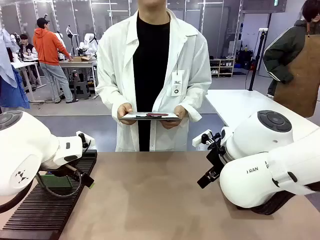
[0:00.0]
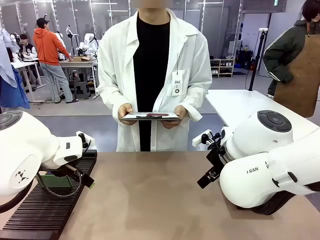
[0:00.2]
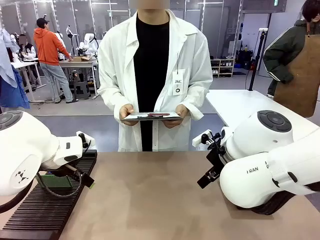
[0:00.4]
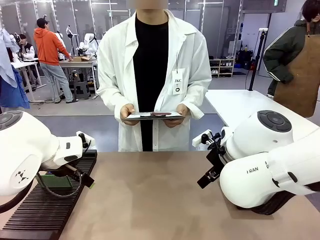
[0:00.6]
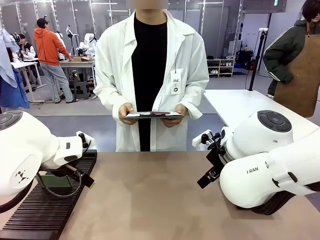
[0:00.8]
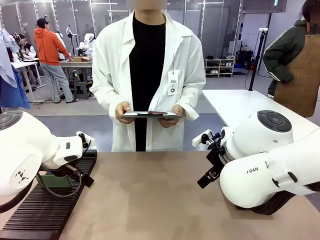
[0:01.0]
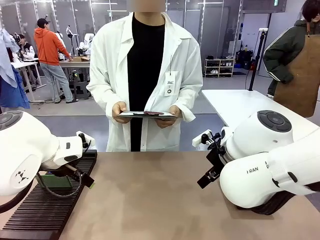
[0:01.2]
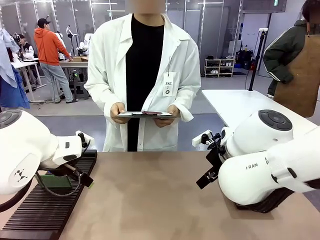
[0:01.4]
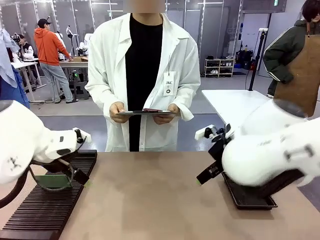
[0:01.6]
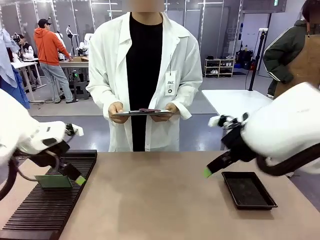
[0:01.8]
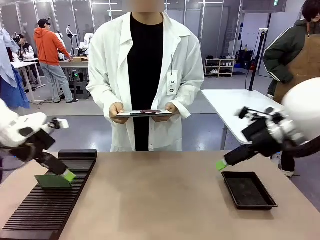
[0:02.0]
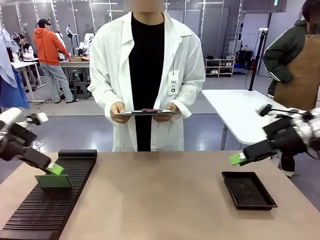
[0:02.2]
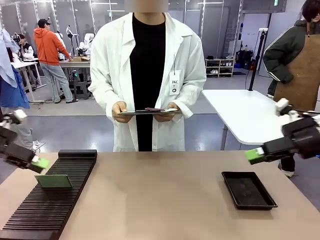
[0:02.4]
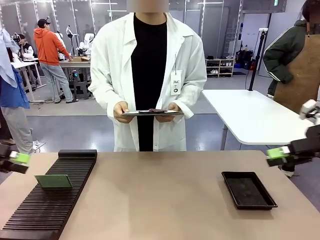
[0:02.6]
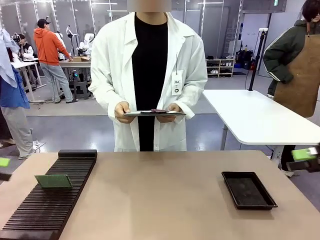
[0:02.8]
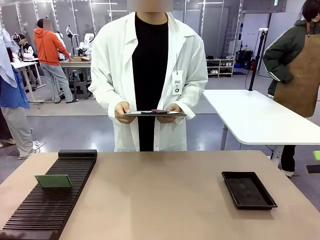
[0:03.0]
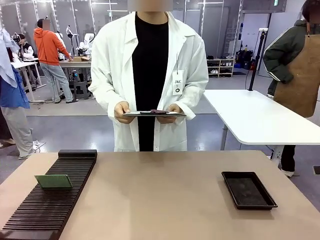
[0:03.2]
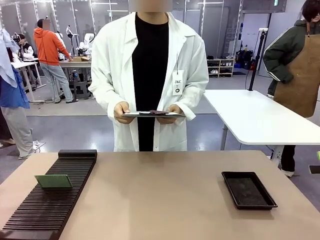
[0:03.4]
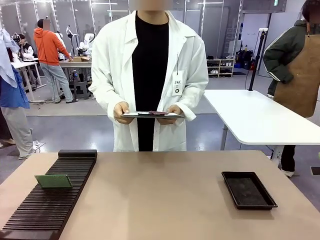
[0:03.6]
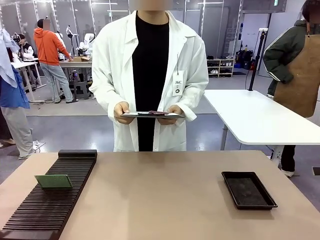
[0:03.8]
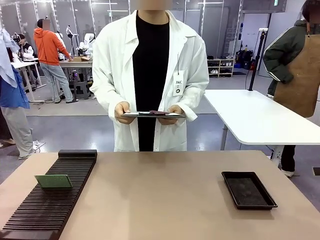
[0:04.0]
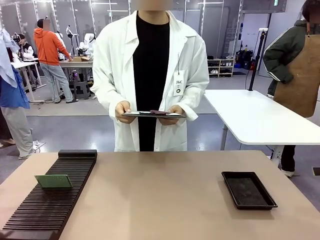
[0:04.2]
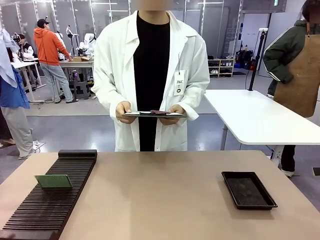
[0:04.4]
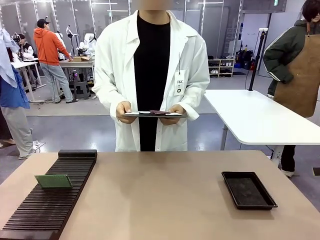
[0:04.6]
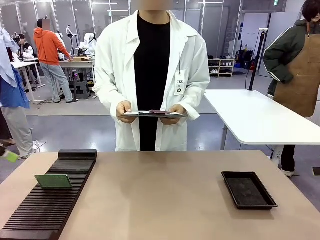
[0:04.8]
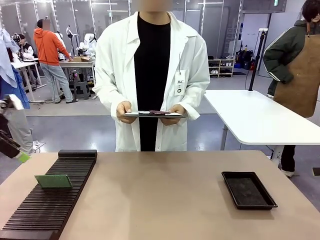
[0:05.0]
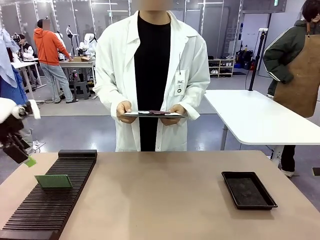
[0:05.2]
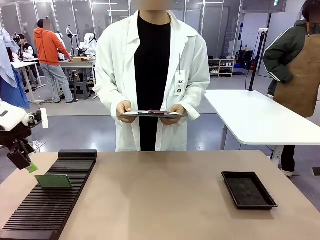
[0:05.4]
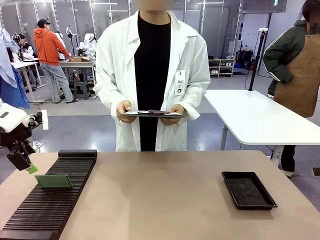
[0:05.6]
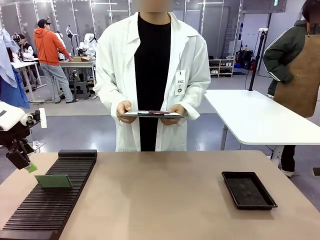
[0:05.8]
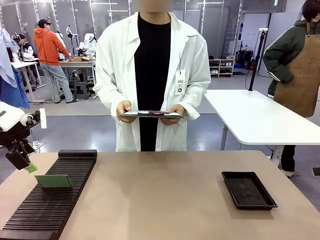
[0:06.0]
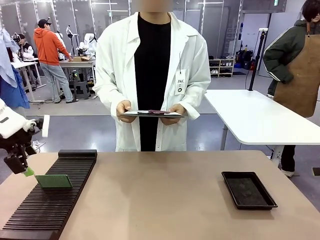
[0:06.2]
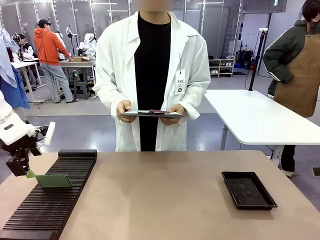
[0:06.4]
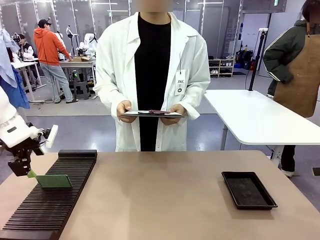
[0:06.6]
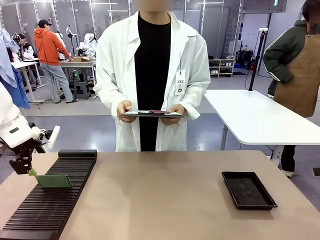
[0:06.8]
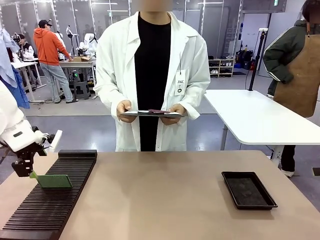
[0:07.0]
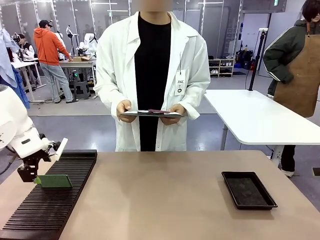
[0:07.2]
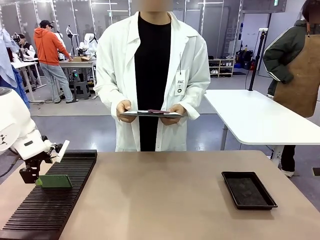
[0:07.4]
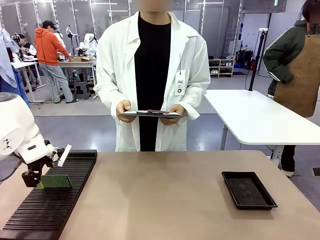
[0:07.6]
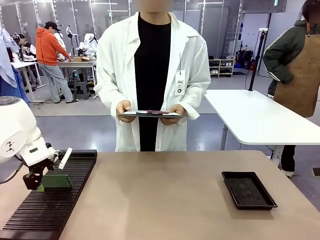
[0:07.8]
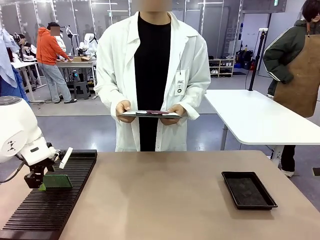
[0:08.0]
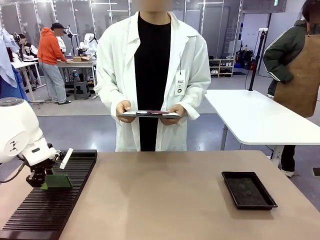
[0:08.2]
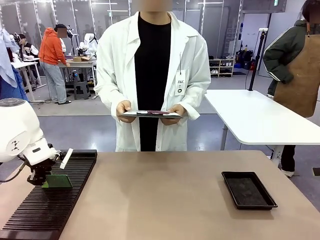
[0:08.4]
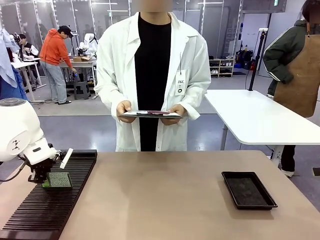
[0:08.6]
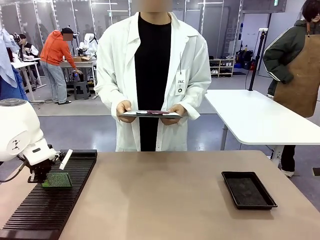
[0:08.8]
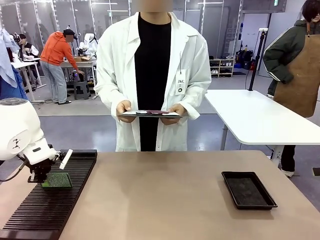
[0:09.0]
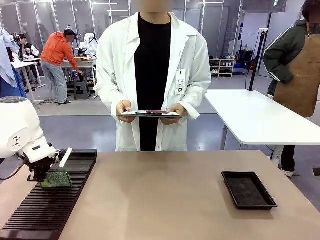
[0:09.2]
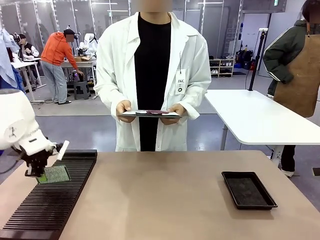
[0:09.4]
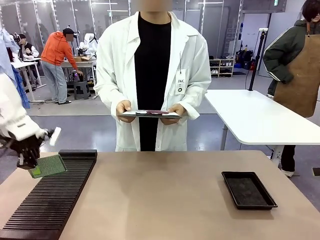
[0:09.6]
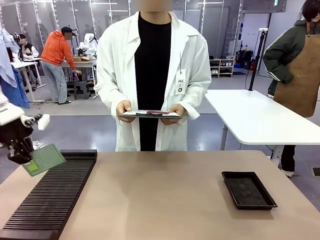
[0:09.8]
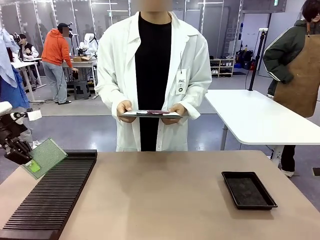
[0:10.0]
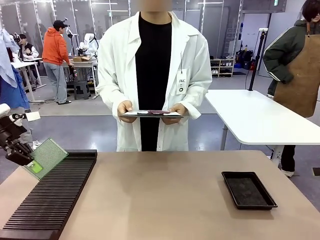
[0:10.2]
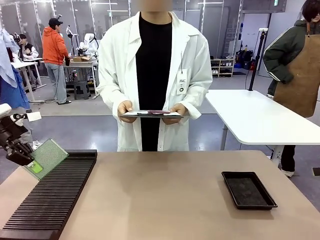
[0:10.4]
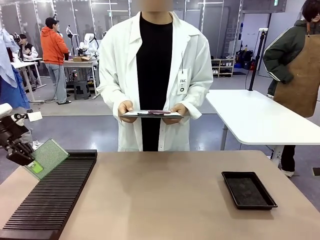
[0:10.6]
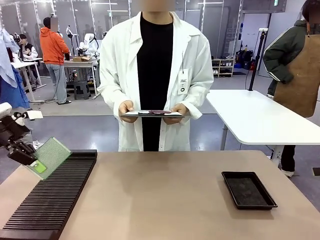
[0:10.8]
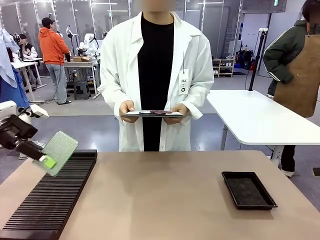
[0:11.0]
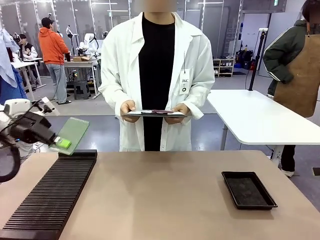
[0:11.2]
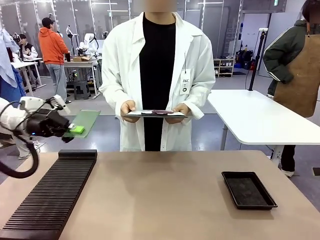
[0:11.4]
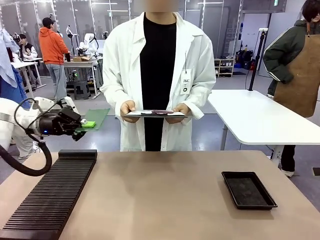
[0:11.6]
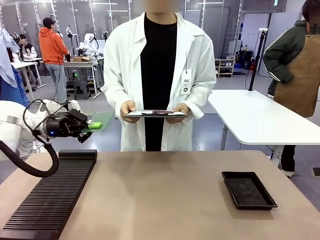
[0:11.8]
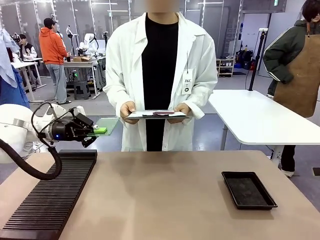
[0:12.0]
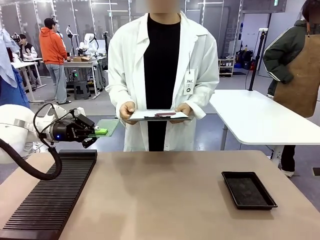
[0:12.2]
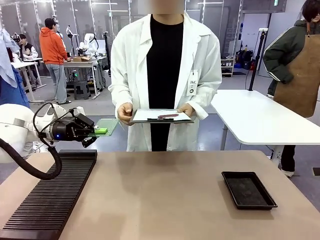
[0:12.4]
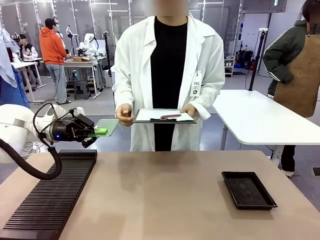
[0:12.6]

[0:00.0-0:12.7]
Task: Inspect the PCB.
Robot: Pick up the Blank PCB and present it to the human.
Person: Pick up the PCB presented by the robot.

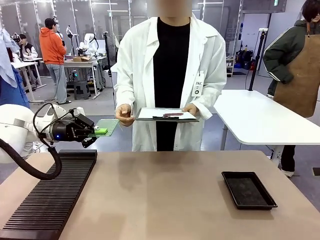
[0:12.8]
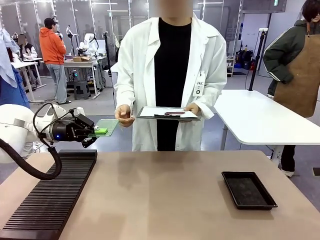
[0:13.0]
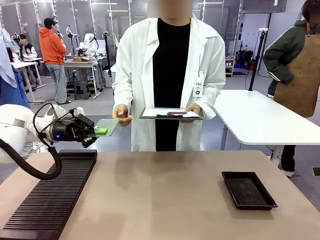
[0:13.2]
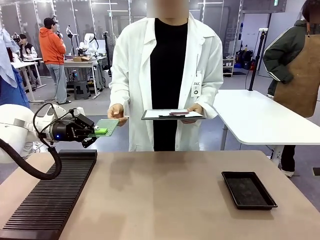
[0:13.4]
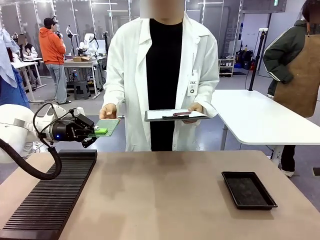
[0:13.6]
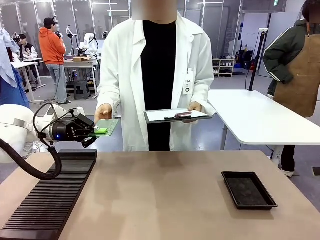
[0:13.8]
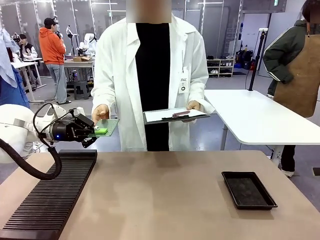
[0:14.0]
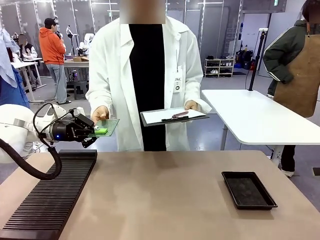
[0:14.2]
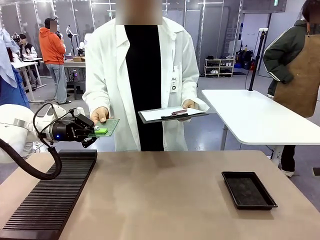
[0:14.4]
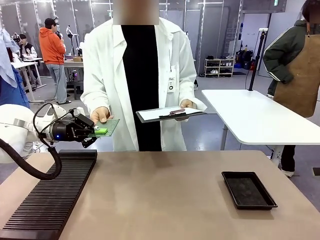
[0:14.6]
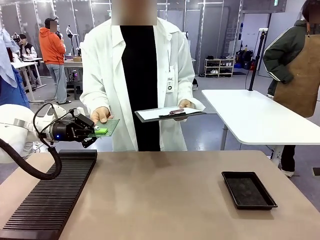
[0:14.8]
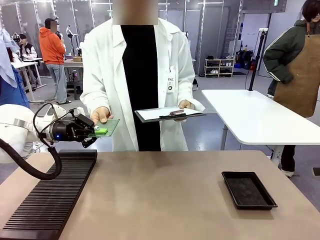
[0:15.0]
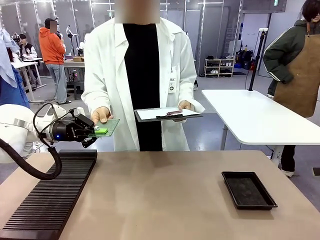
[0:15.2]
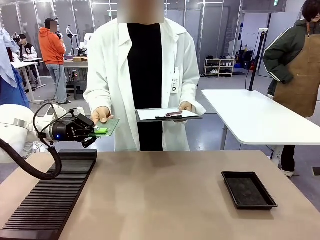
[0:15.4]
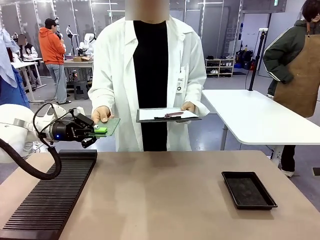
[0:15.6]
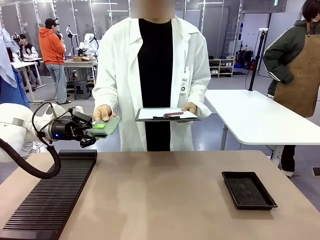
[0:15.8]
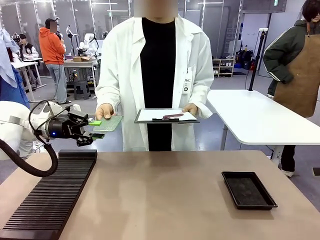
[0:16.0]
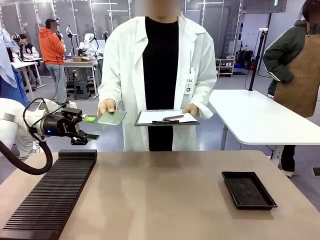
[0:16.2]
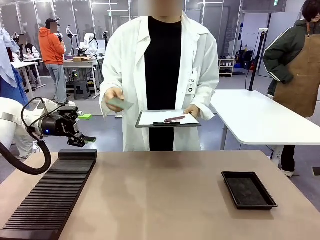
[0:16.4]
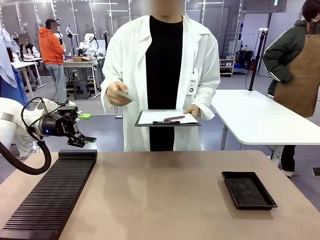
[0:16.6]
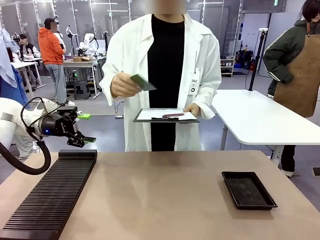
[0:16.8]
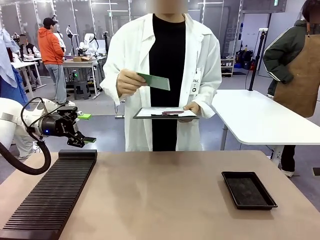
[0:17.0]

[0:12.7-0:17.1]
Robot: Release the Blank PCB you were holding.

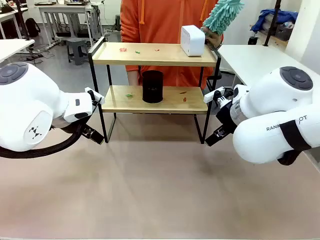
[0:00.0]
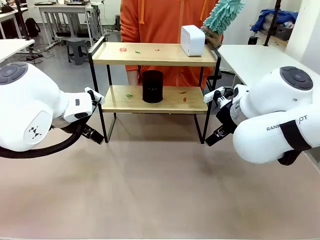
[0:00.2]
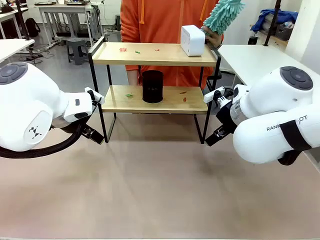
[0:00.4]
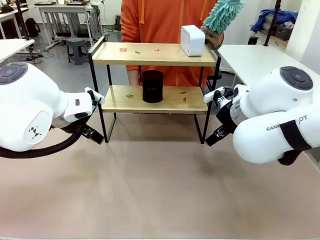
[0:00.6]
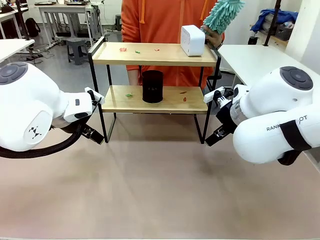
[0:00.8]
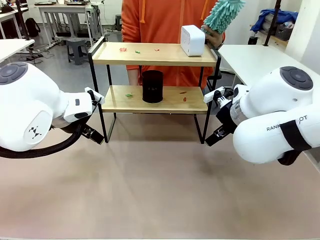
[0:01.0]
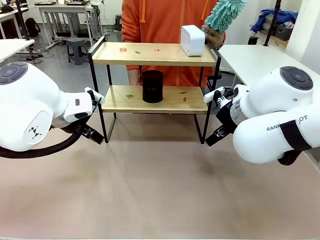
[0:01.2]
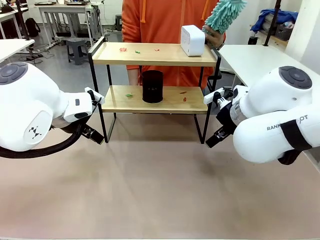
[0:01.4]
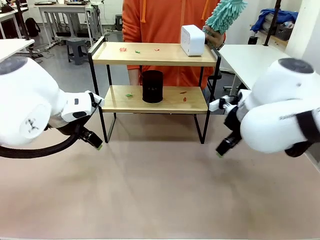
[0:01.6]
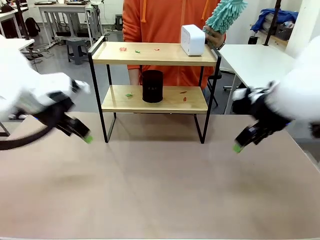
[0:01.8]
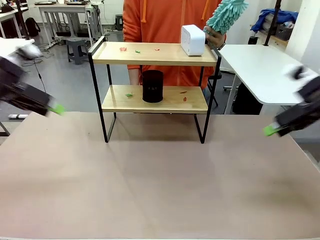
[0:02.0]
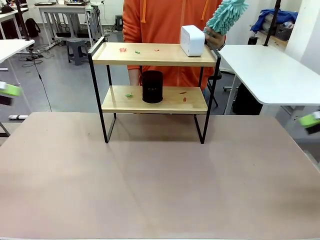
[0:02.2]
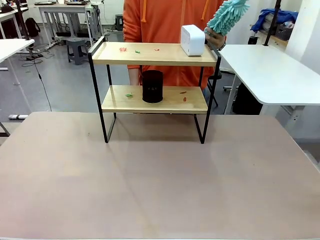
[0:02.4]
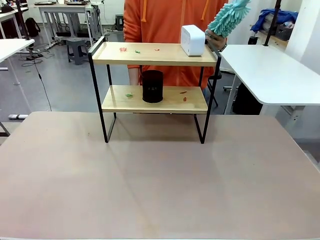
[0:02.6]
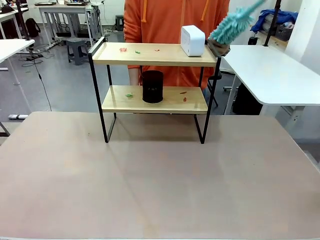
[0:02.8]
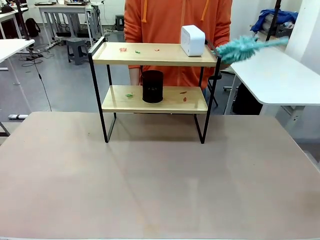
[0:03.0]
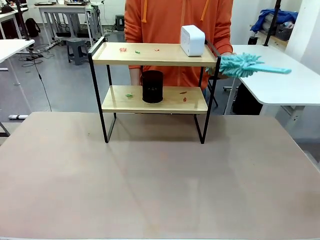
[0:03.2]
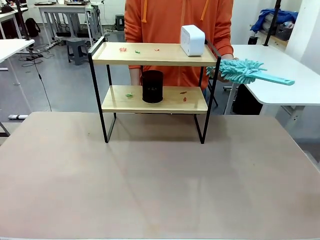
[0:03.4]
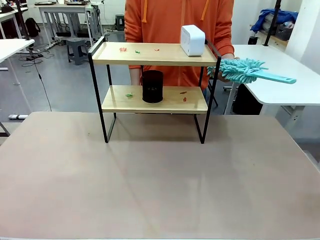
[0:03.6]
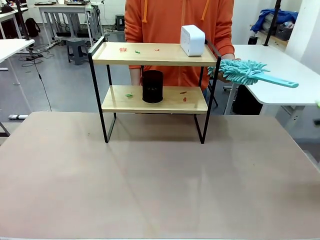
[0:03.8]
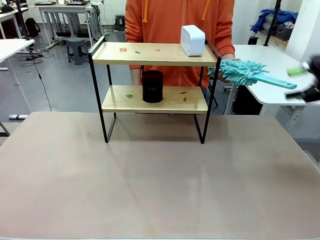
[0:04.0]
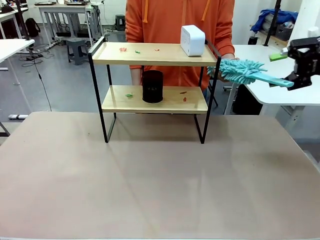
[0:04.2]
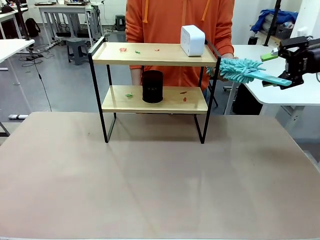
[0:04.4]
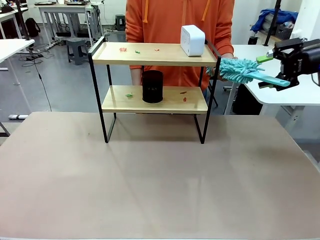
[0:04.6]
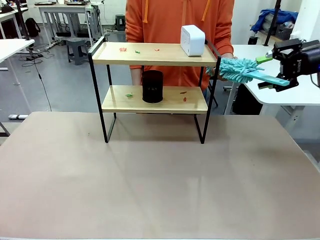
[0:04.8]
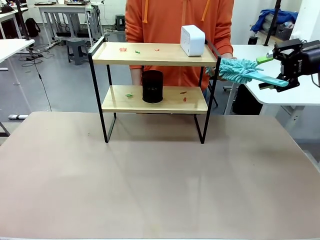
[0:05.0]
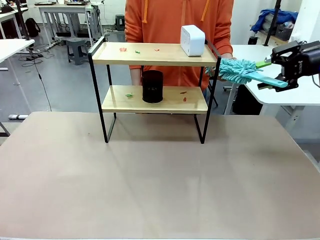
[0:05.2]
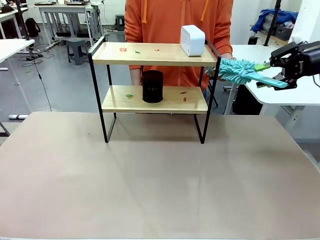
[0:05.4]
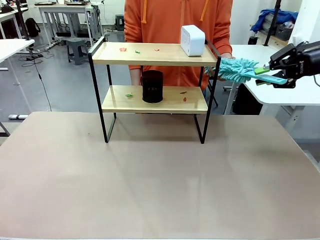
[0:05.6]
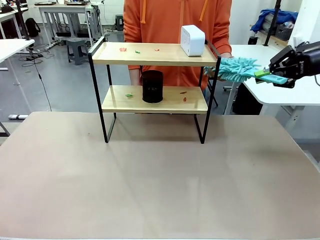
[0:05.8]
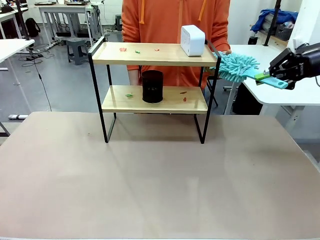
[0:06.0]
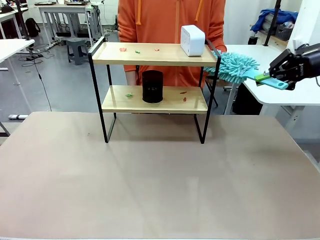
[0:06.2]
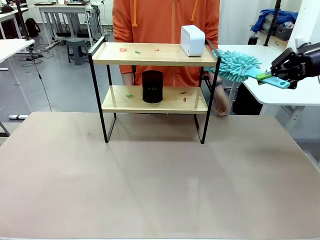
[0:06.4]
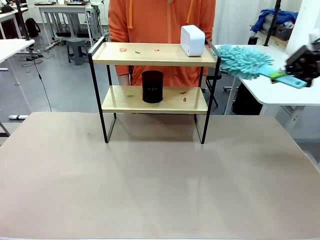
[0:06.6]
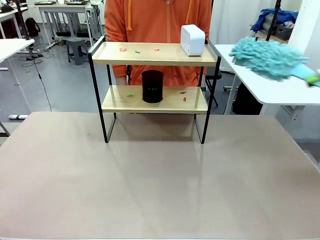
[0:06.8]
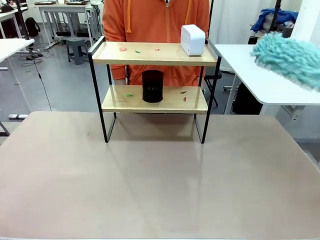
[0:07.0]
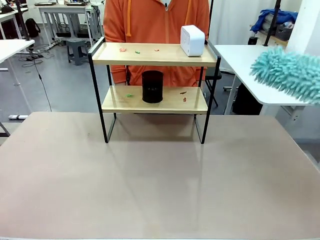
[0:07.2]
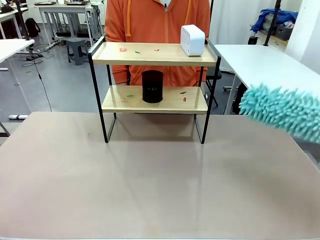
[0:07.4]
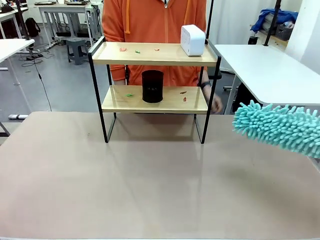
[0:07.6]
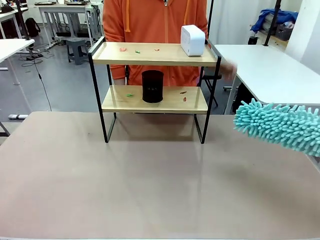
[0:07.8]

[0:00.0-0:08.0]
Task: Clean the shelf.
Robot: Pick up the Duster from the human.
Person: Hand the Duster to the robot.
